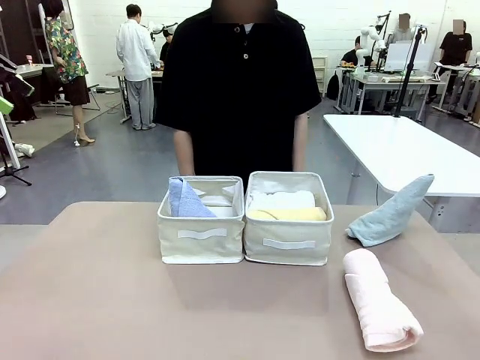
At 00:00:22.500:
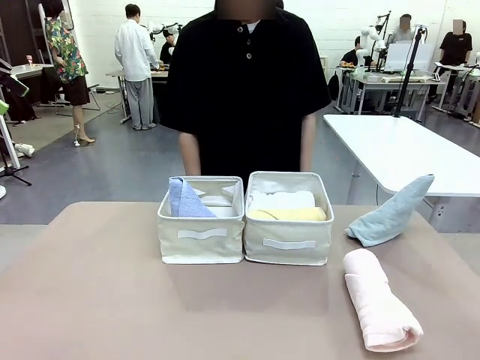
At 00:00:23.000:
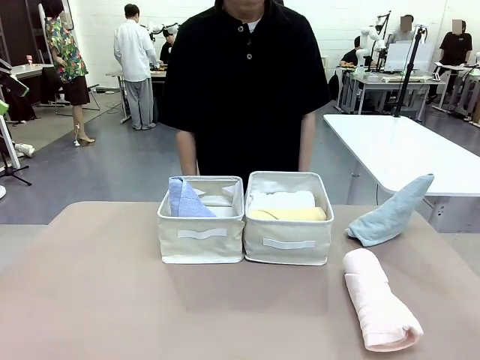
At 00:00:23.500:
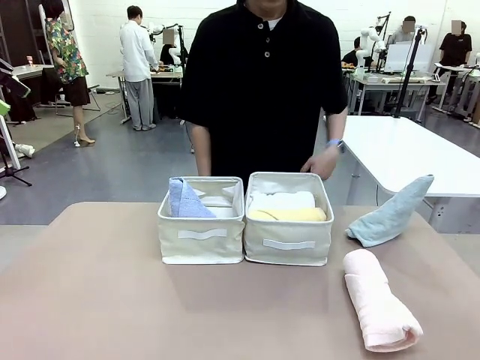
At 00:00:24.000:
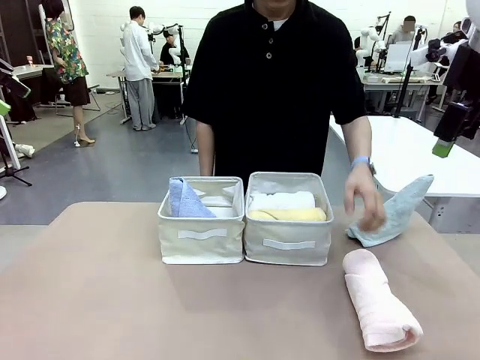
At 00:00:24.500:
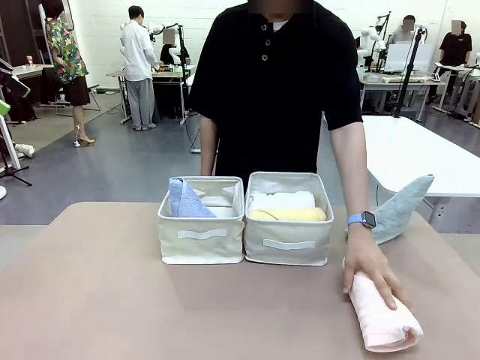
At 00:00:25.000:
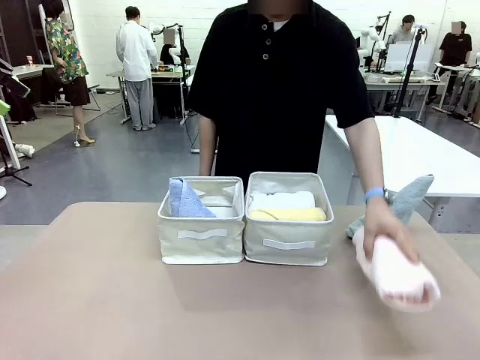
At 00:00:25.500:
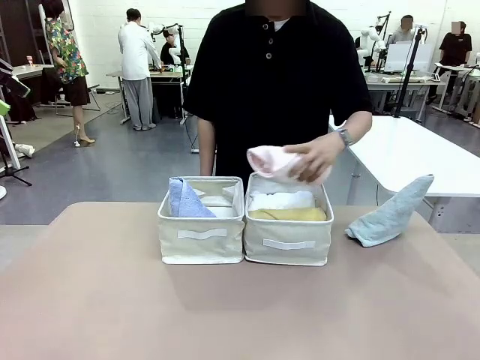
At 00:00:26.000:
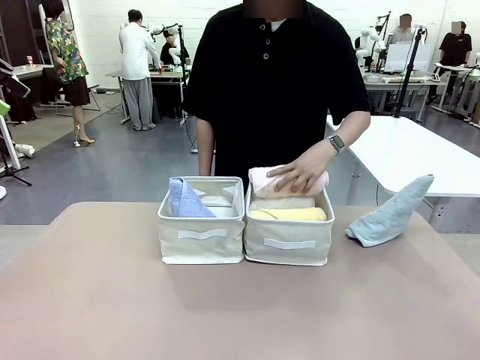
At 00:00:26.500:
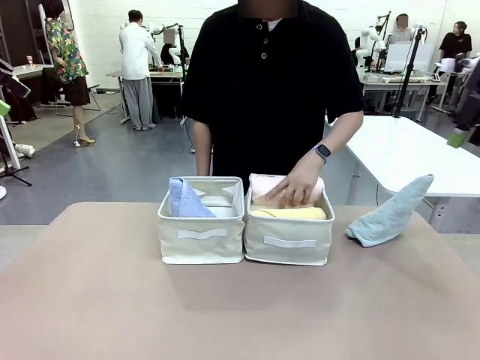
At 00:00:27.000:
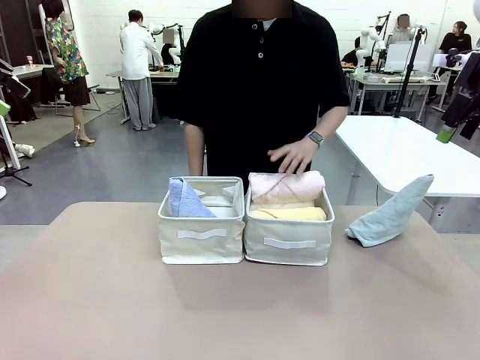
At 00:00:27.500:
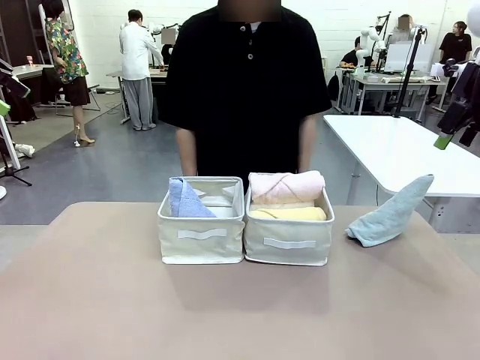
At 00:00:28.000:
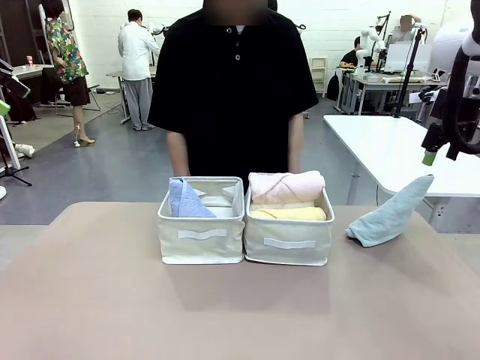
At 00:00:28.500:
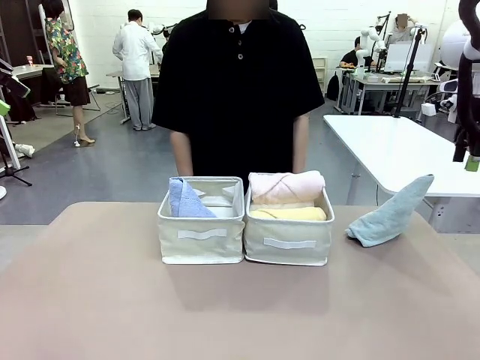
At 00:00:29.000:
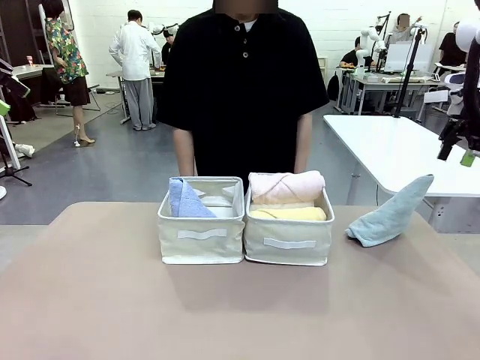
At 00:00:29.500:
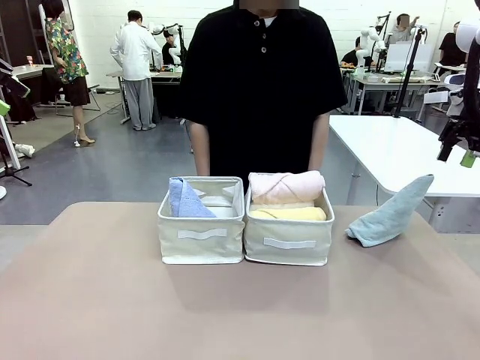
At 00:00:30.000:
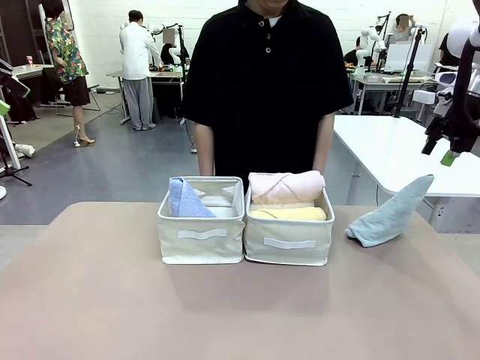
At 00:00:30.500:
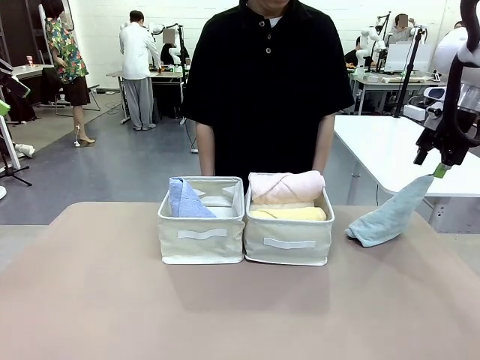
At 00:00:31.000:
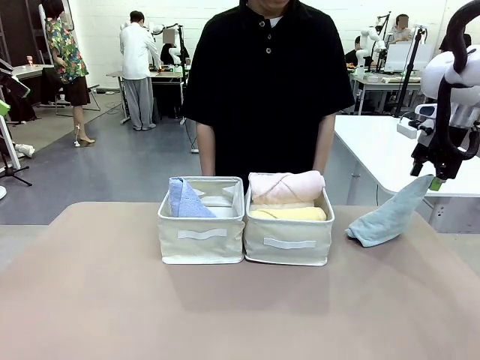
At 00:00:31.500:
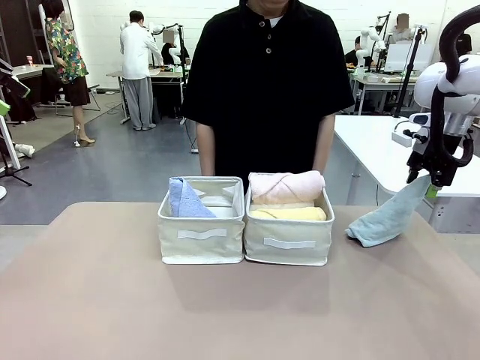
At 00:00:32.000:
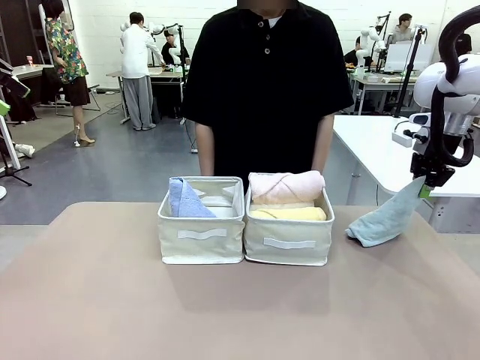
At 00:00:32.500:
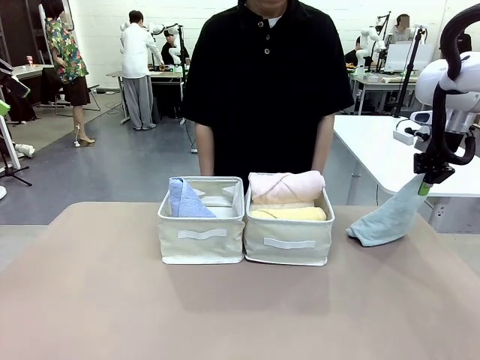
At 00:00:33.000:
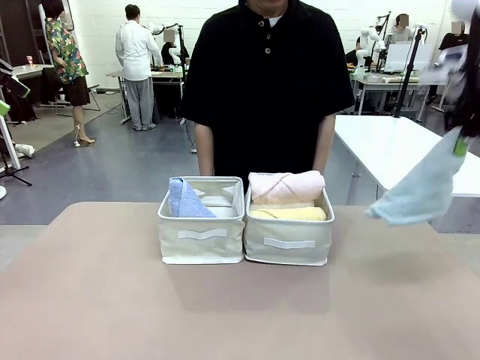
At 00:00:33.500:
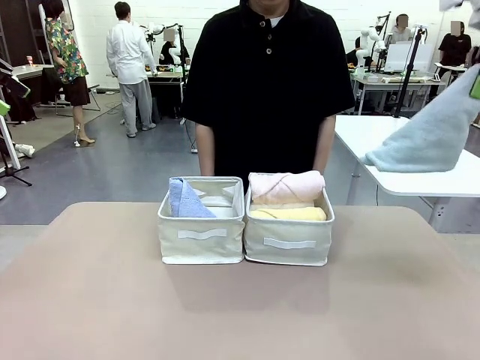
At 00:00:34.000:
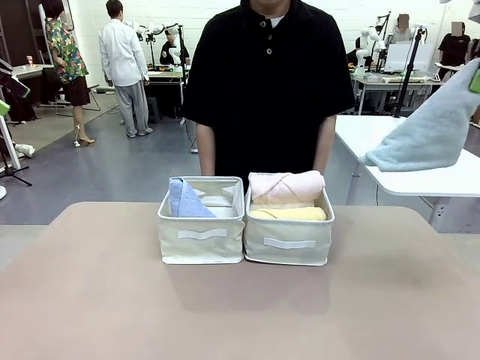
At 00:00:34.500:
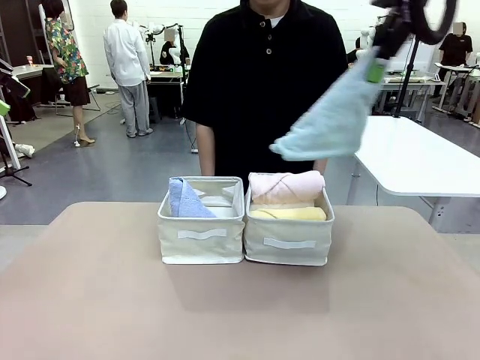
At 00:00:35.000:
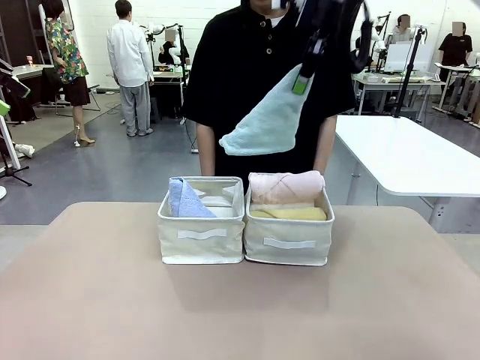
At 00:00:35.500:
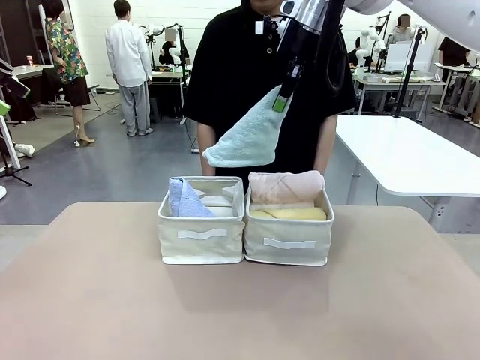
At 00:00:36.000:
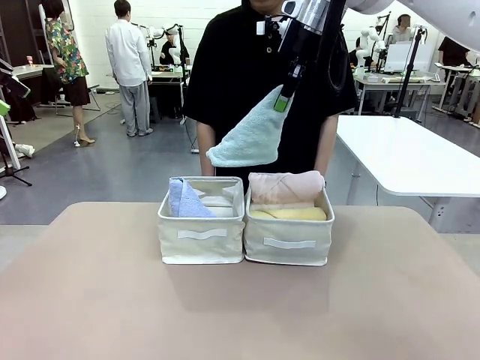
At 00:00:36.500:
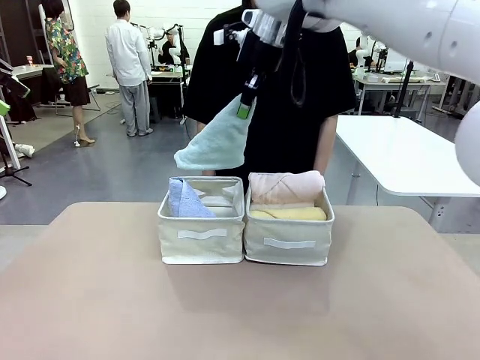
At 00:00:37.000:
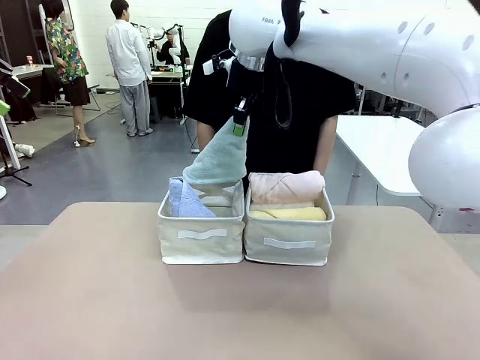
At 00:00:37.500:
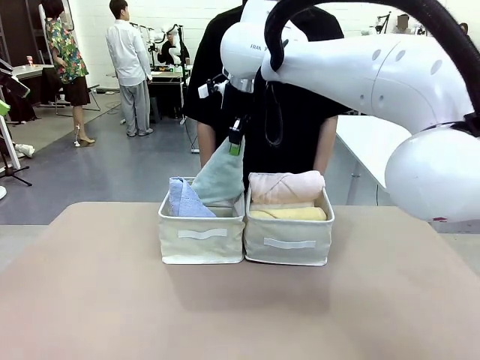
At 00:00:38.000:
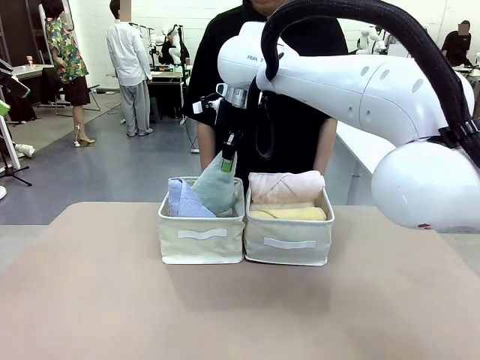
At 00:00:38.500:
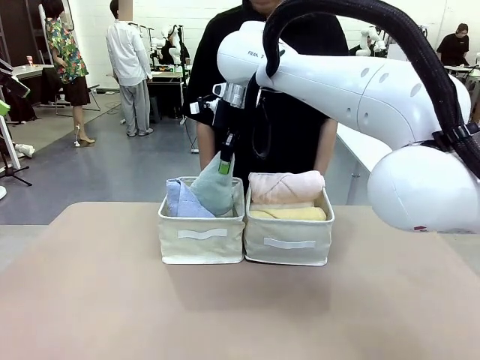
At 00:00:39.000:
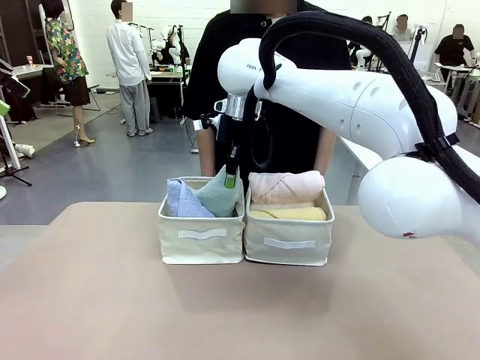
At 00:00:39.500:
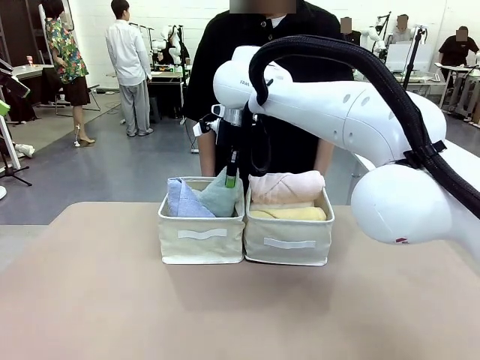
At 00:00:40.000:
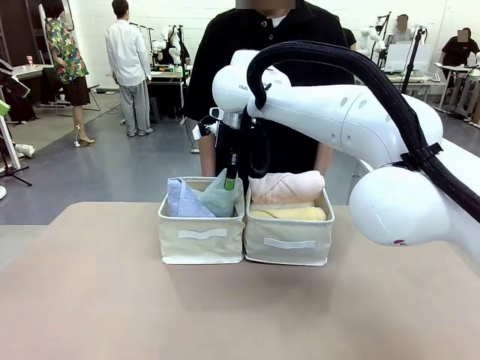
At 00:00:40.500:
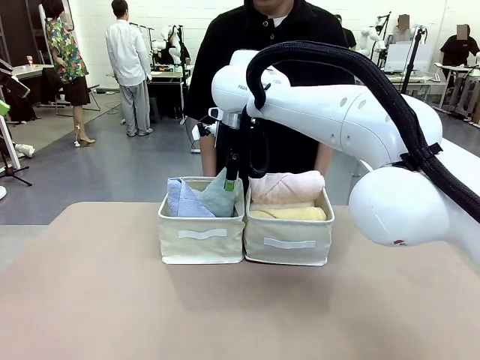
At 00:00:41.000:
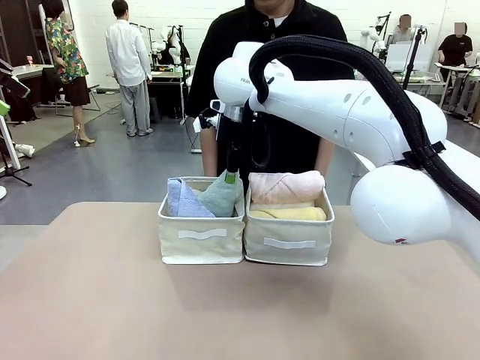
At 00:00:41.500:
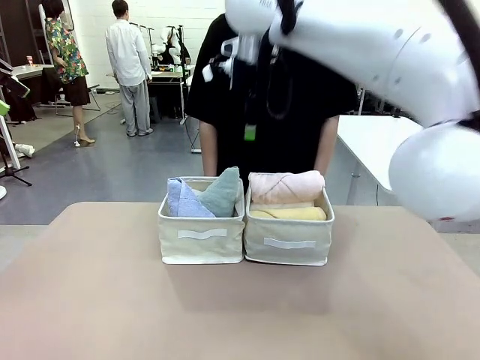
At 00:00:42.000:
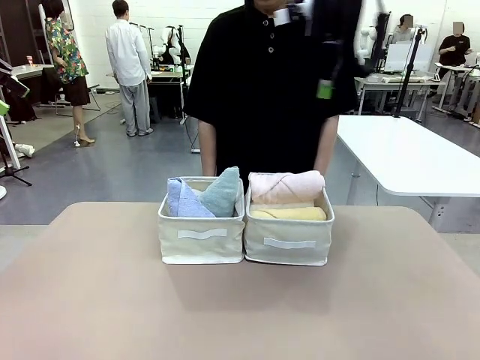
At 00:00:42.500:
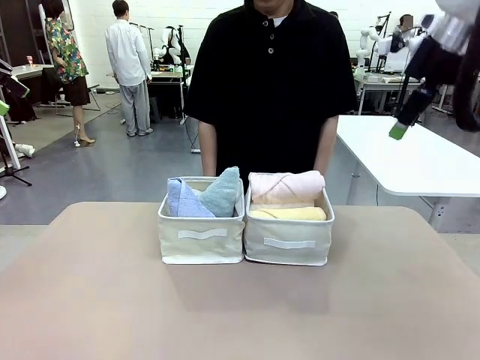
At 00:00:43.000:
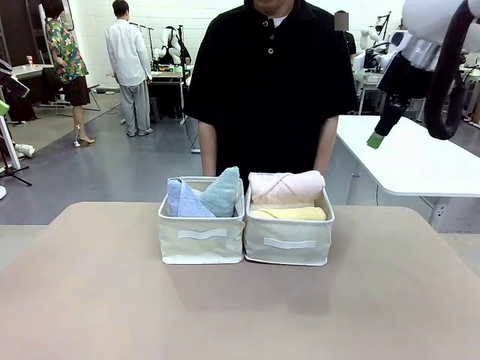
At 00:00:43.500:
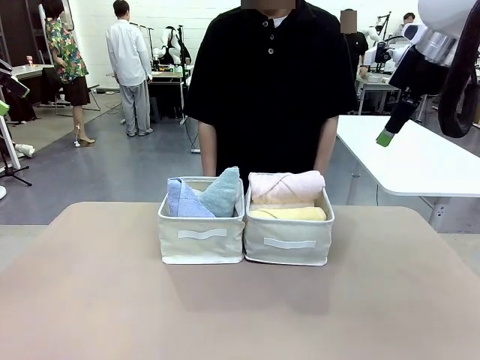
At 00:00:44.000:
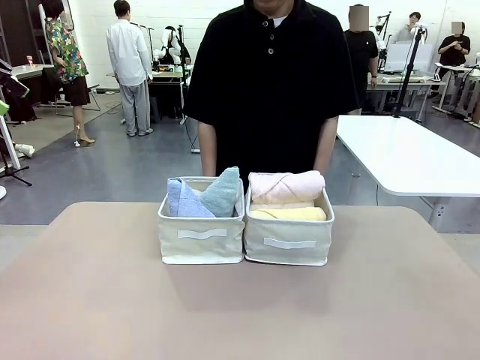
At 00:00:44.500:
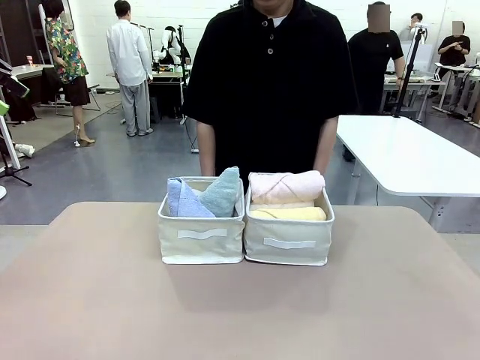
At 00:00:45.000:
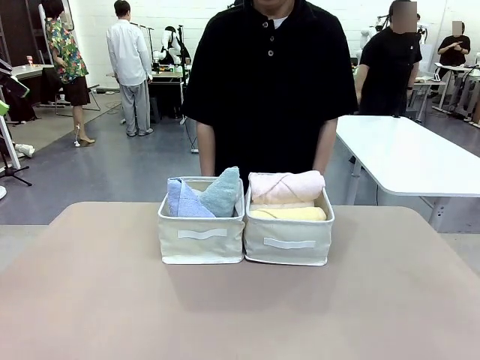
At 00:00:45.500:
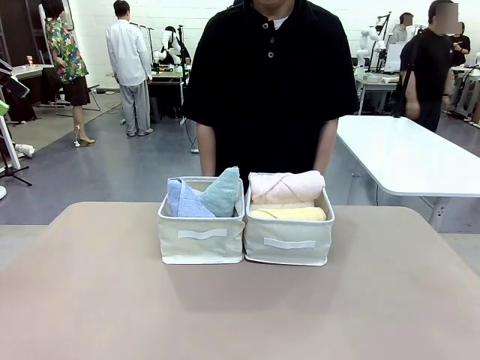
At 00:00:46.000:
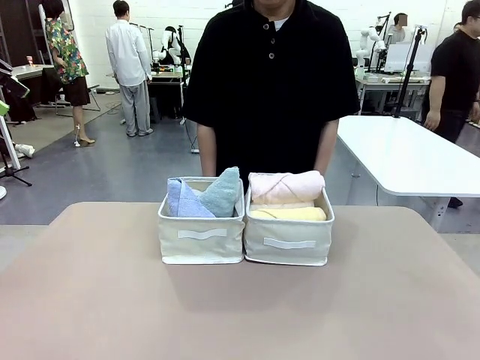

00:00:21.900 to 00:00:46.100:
Task: Sort the towels based on their folding style.
Robot: Pick up another triangle-folded towel from the table and place it in the left Fabric basket.
Person: Pick up one hotel-style rolled towel from the table and place it in the left fabric basket.
